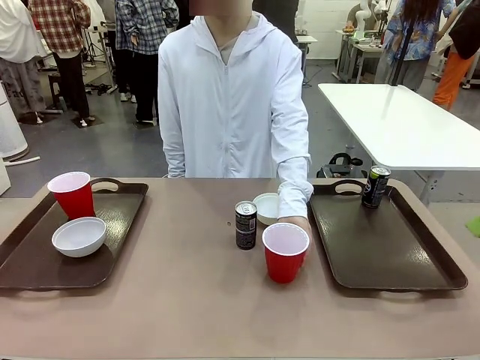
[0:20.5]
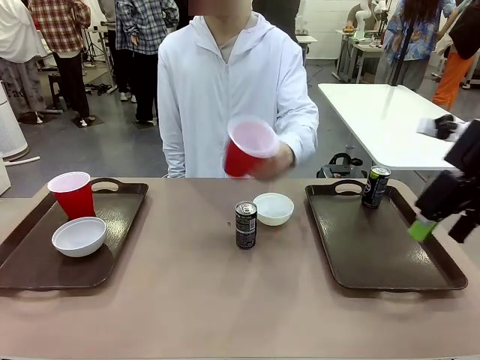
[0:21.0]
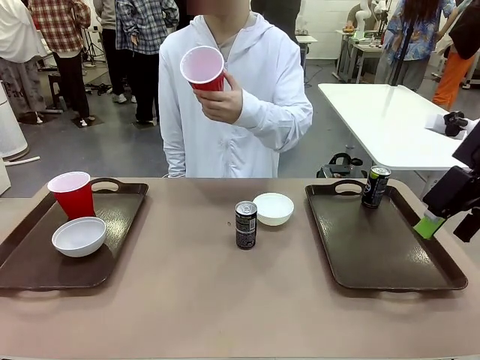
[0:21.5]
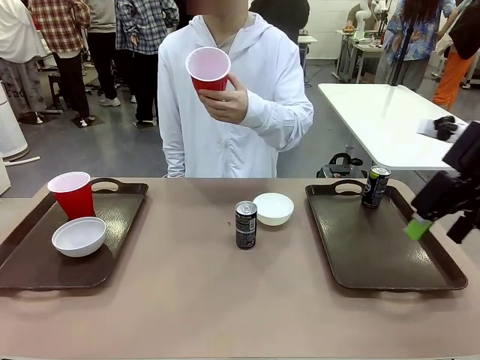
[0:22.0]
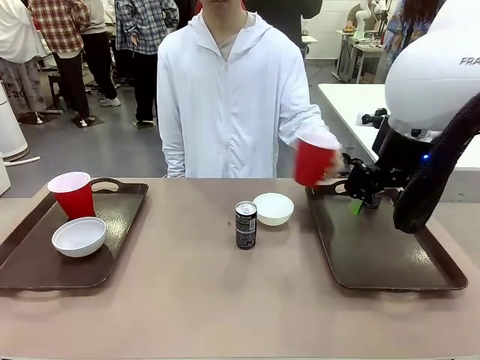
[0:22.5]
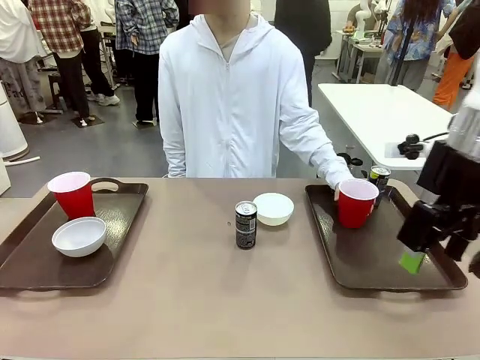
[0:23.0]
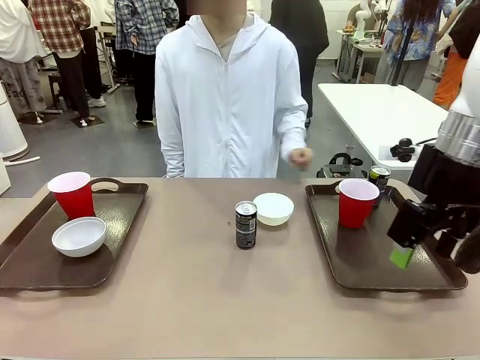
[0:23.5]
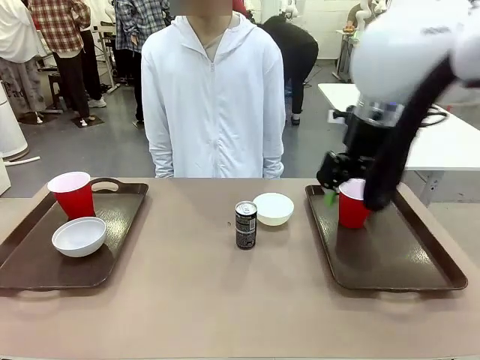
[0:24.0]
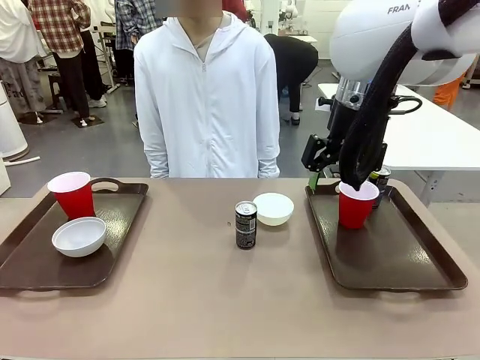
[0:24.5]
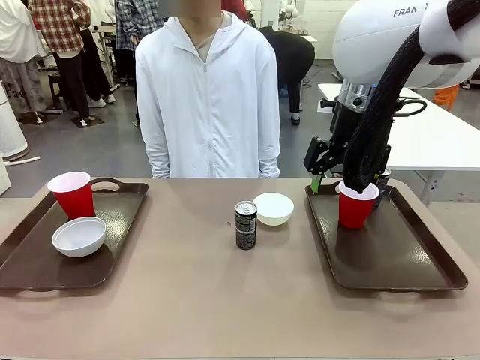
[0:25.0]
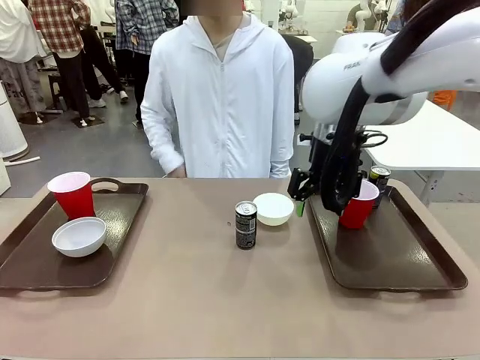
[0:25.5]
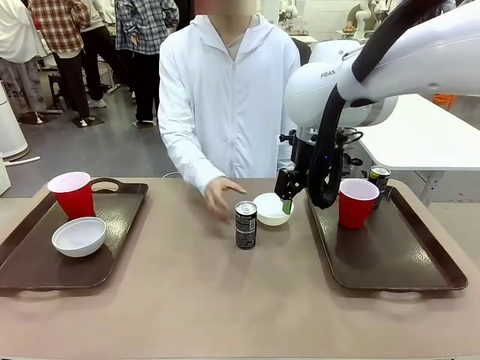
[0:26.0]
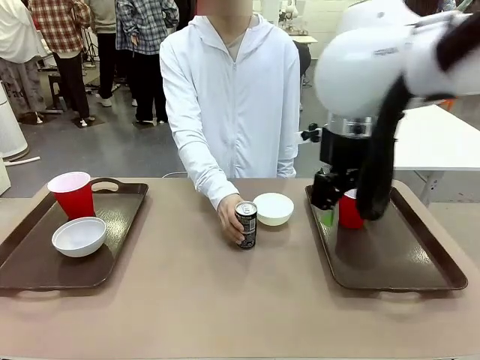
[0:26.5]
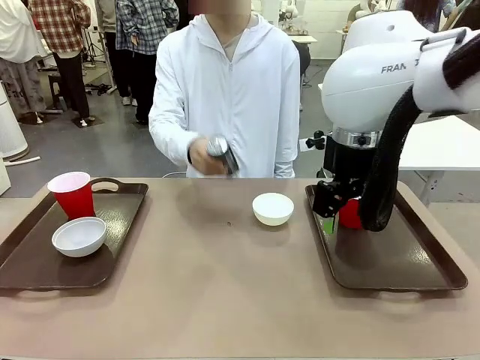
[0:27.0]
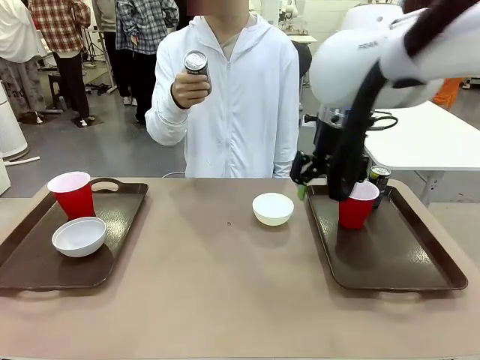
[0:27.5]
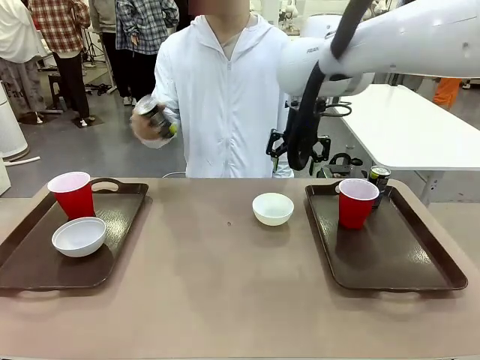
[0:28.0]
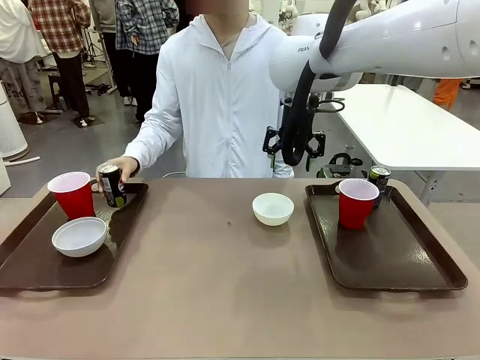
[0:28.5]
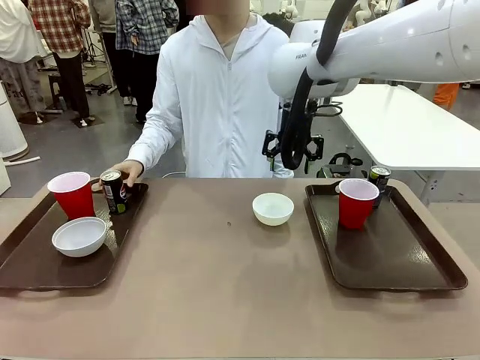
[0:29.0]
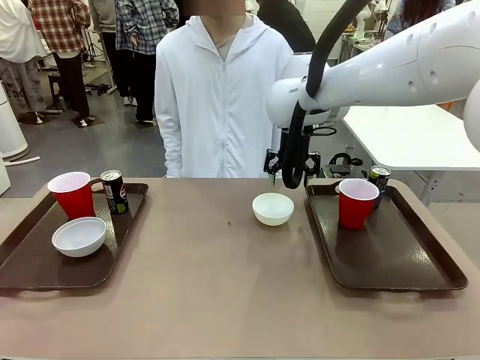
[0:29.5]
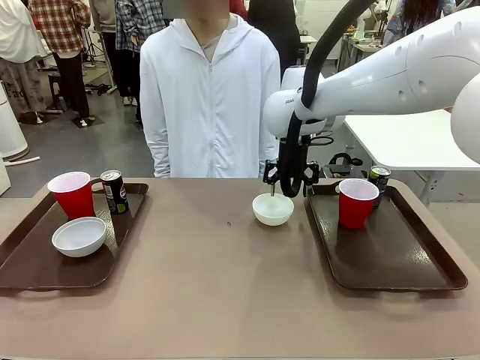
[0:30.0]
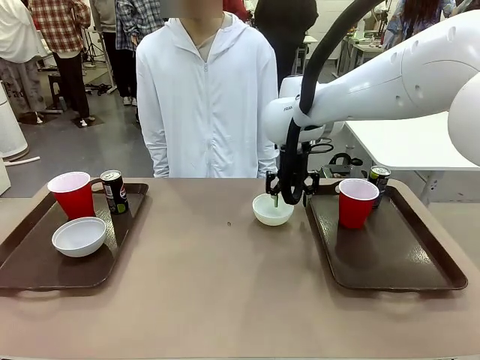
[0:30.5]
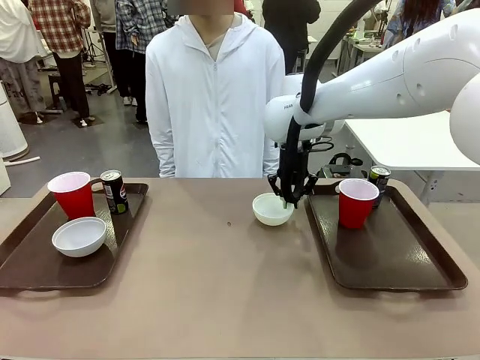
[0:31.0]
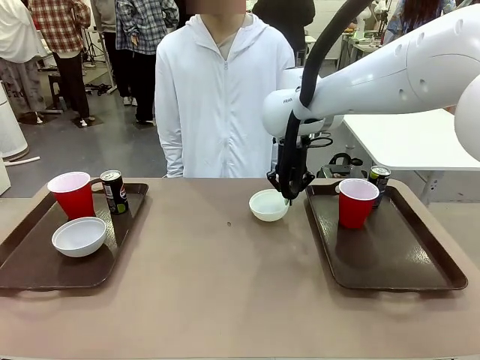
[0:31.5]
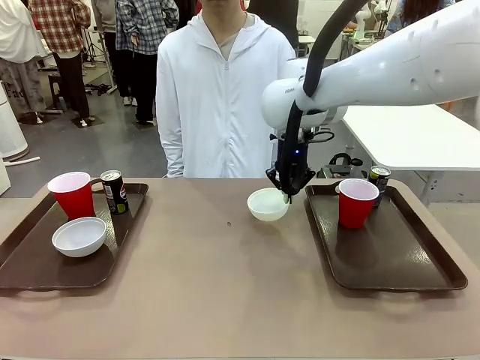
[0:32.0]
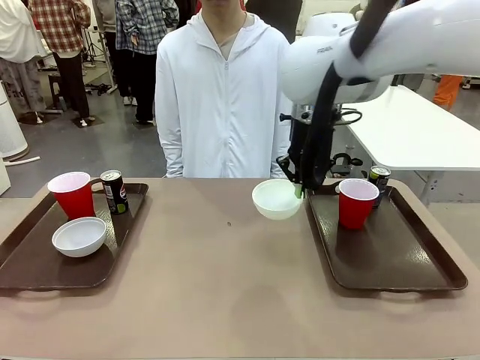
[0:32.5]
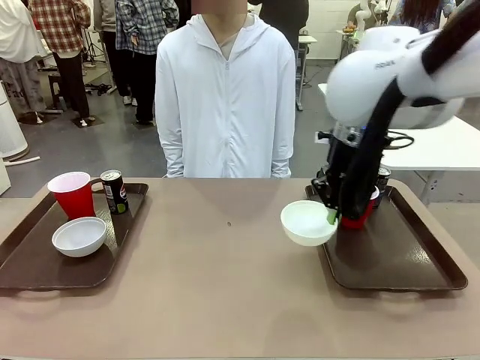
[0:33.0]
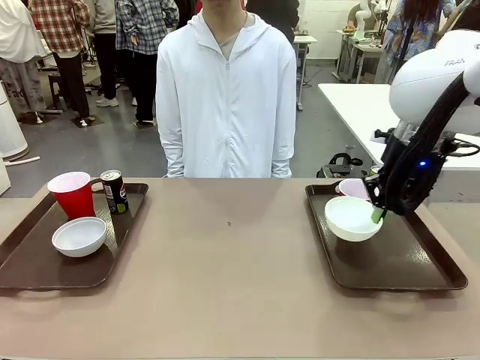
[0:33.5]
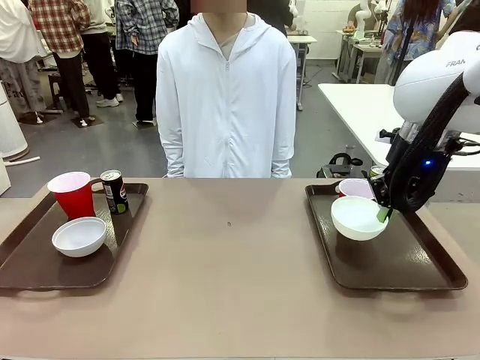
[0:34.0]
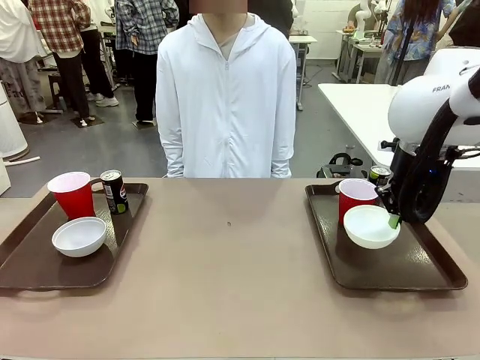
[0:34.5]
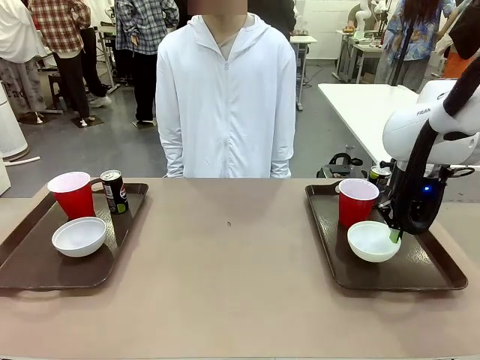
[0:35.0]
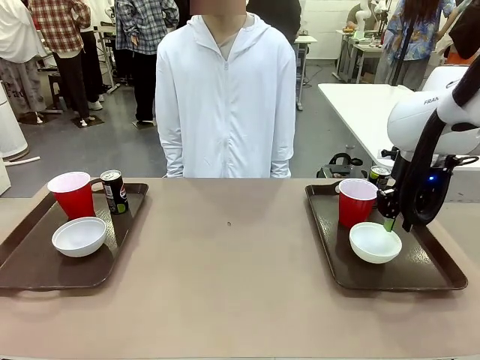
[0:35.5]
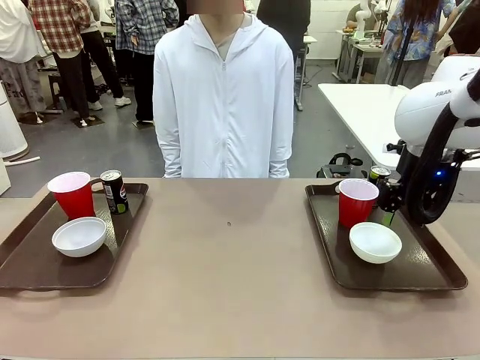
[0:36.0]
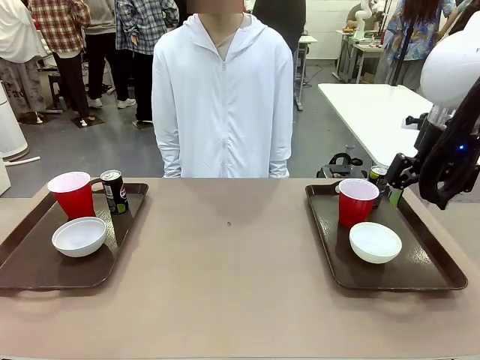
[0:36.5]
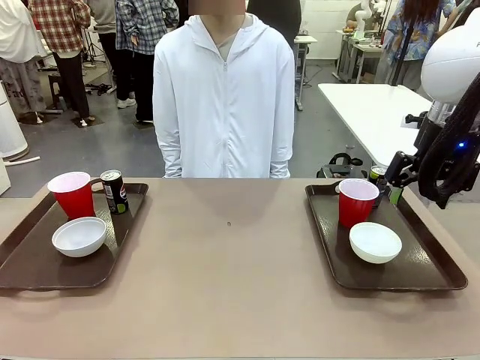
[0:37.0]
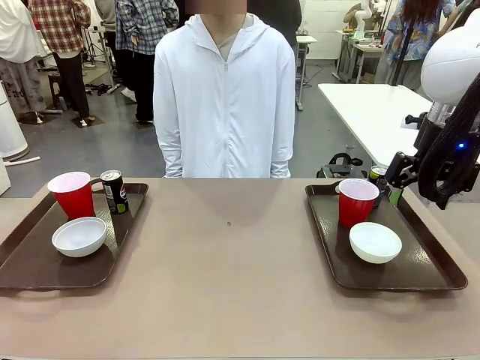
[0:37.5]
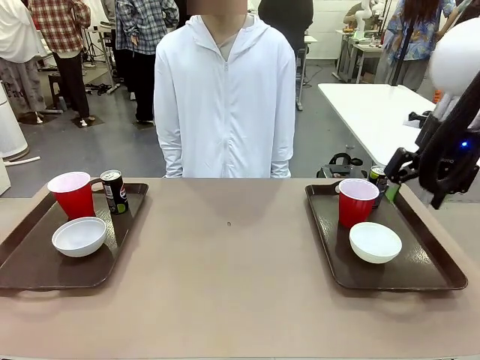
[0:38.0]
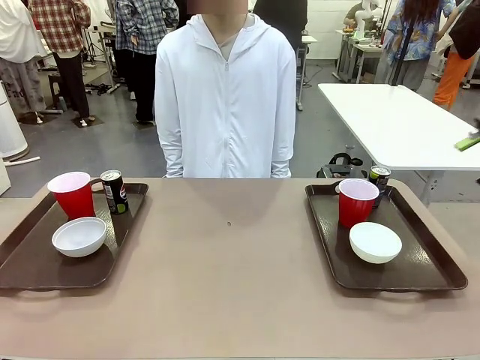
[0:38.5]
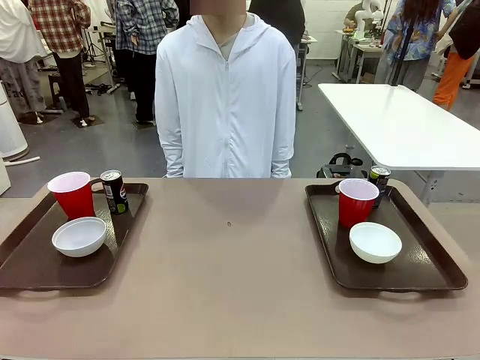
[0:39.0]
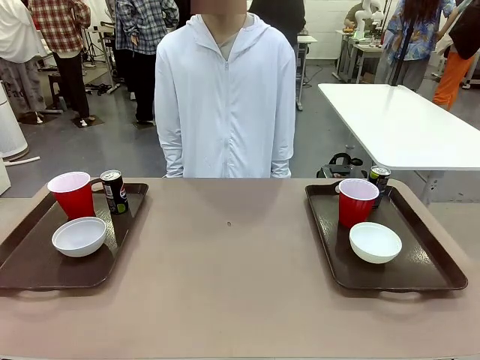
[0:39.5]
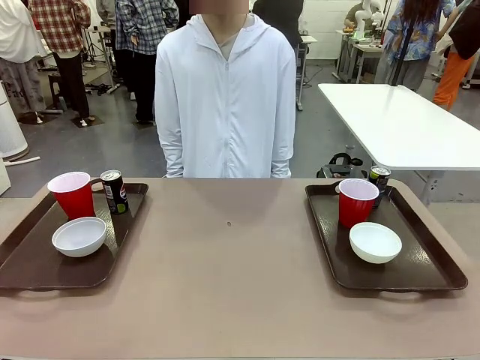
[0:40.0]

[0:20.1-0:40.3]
Task: Prepare tableware on both trays.
Robot: Pick up a Picnic Bowl from the table and place it on a Handle tray.
Person: Pick up a can or cup and place it on the tray without a can or cup.
